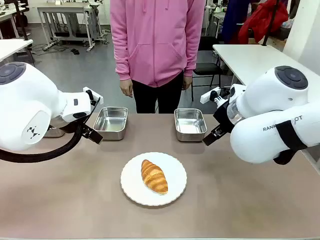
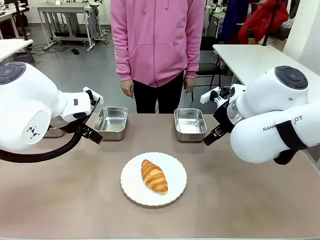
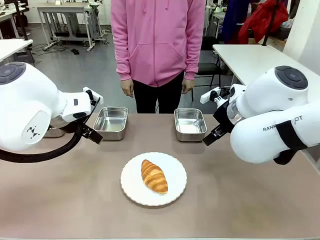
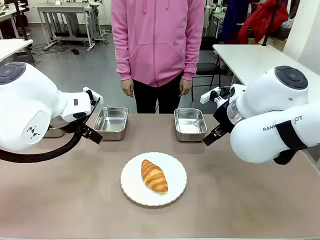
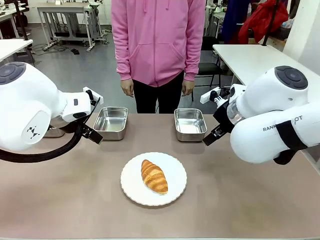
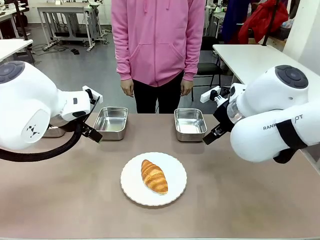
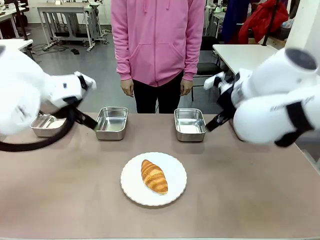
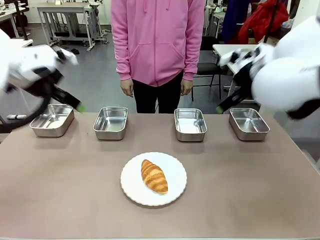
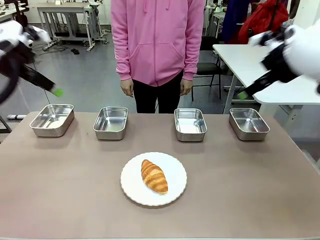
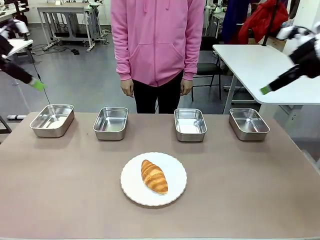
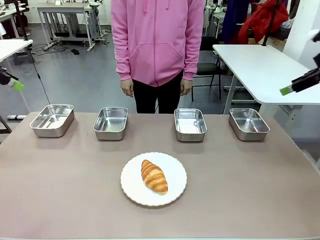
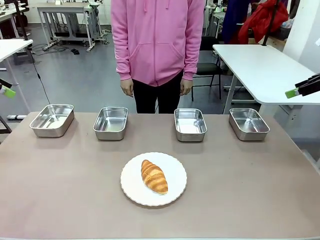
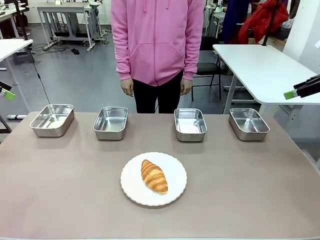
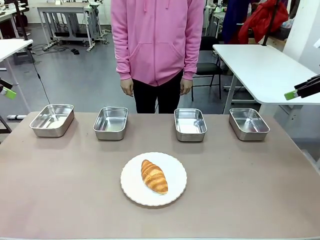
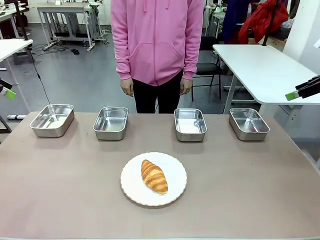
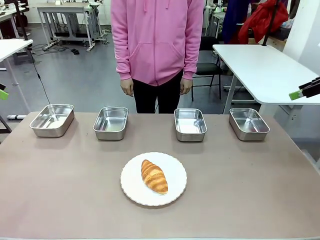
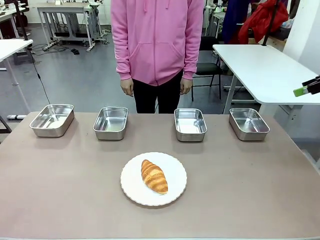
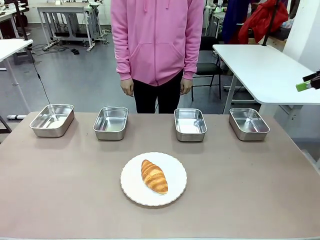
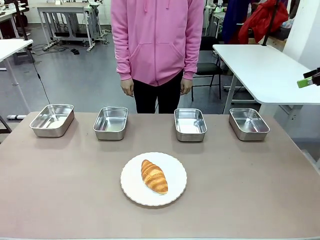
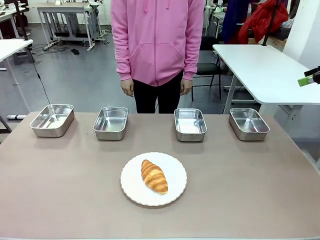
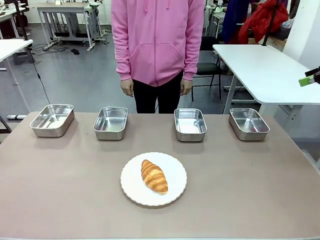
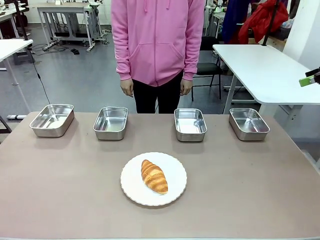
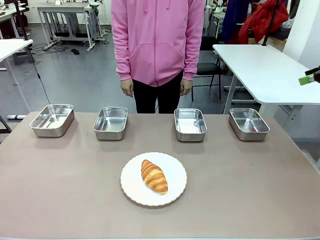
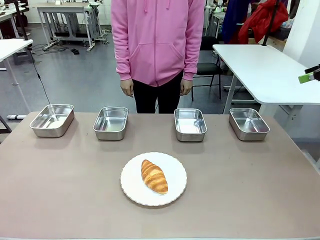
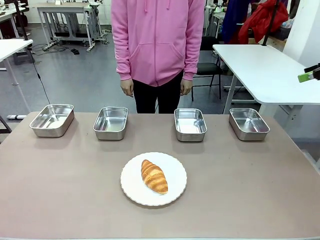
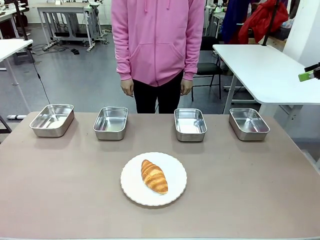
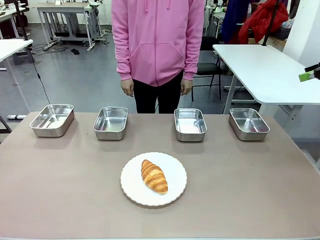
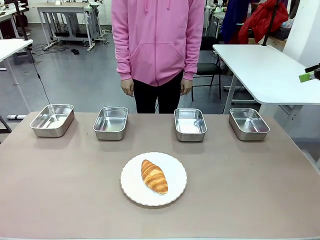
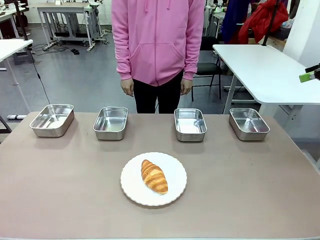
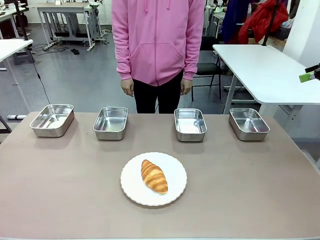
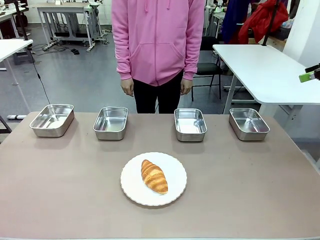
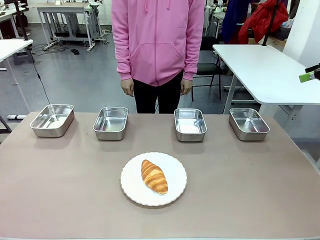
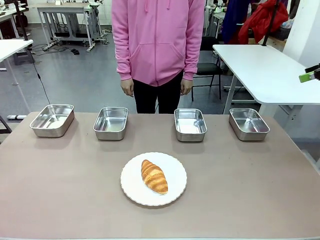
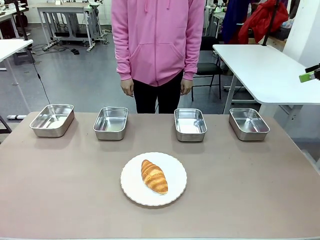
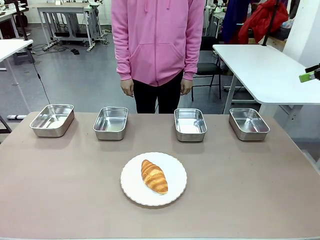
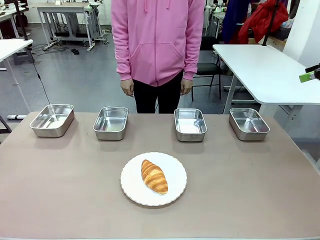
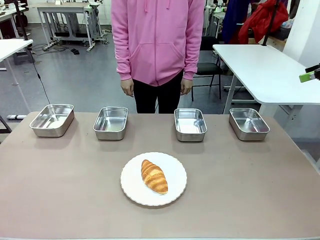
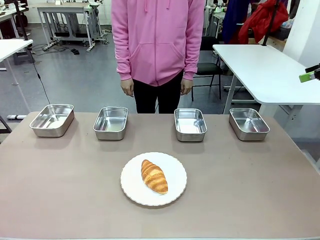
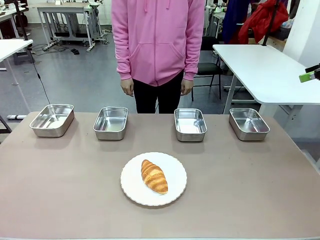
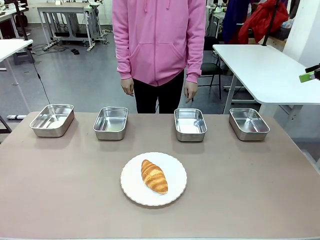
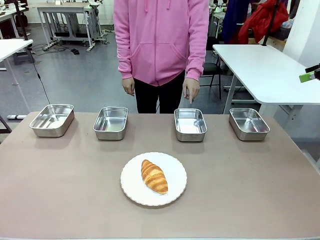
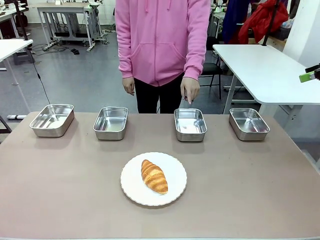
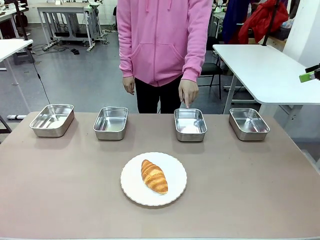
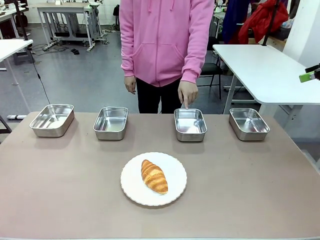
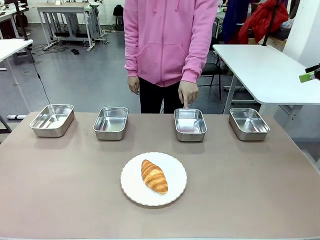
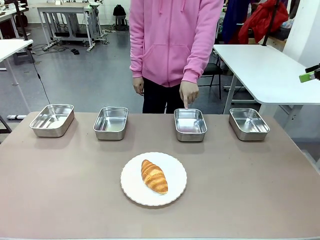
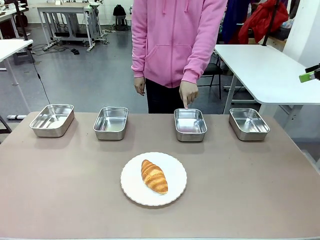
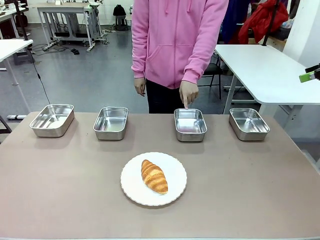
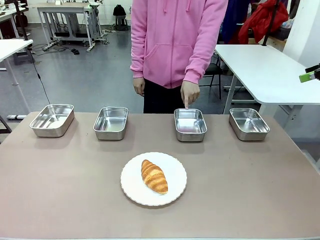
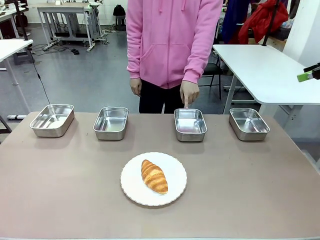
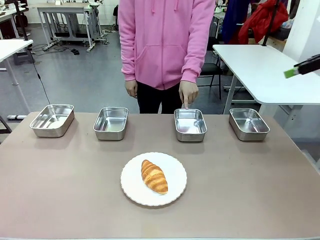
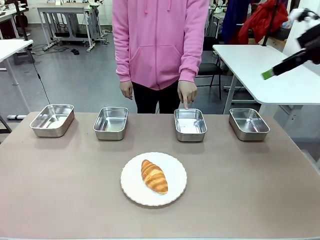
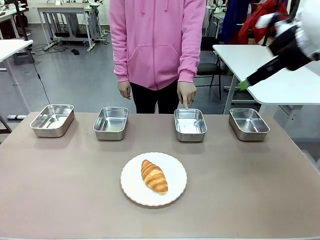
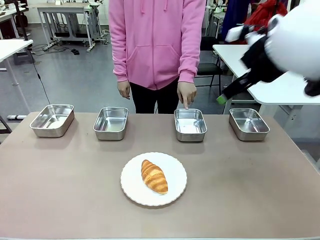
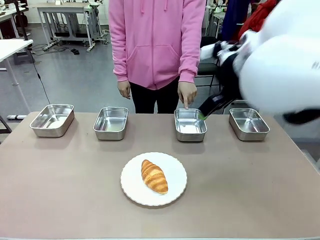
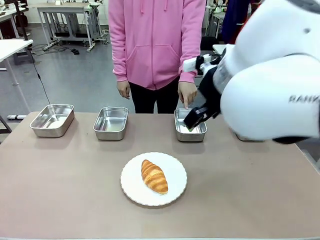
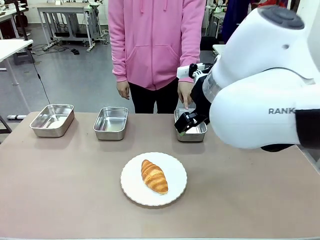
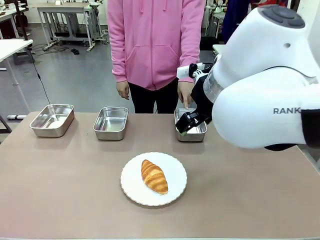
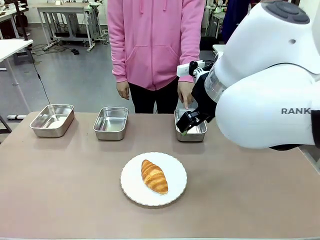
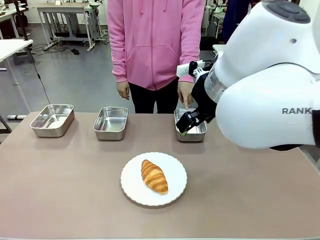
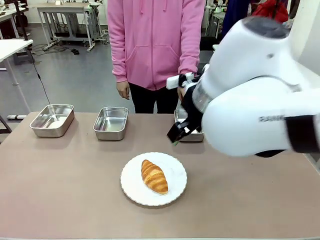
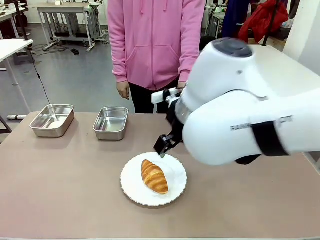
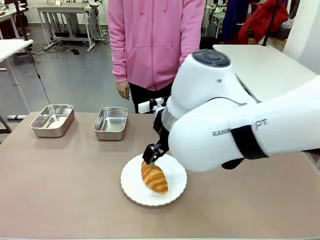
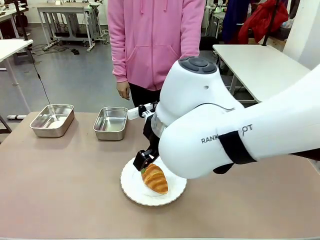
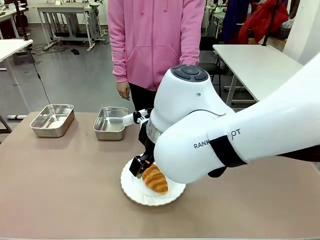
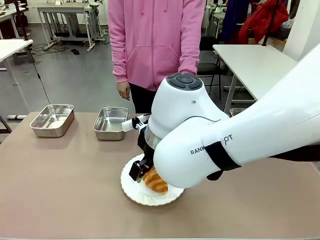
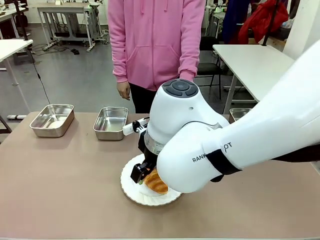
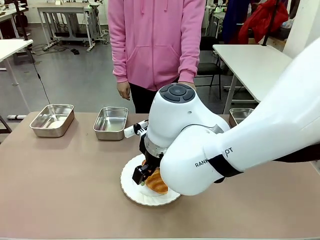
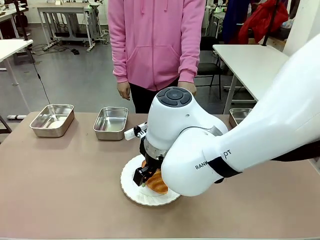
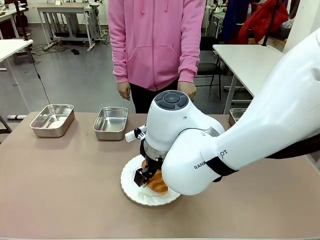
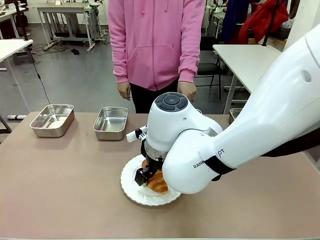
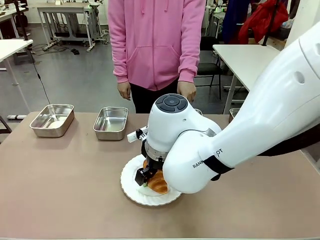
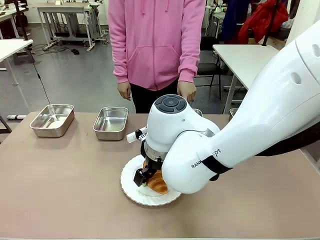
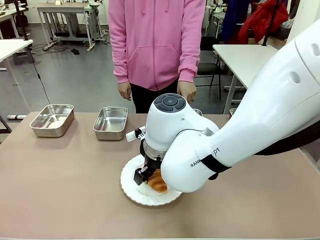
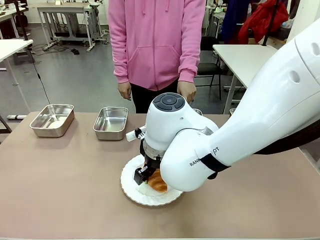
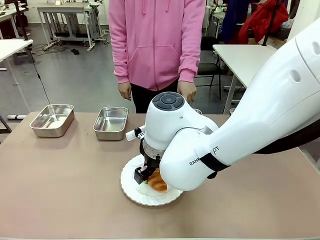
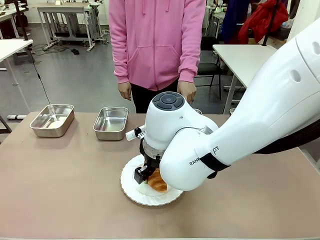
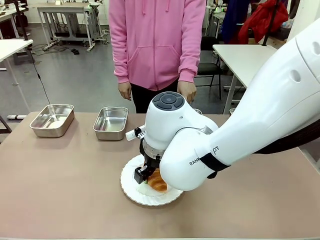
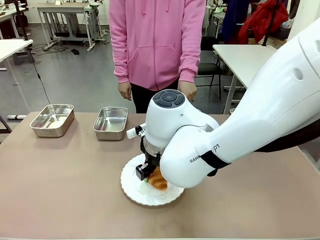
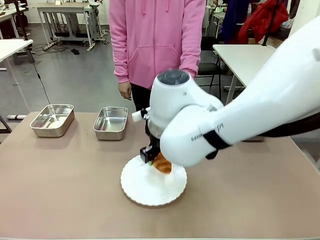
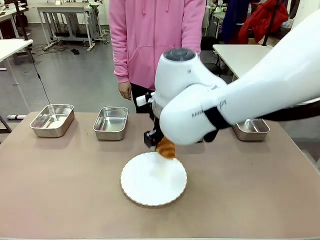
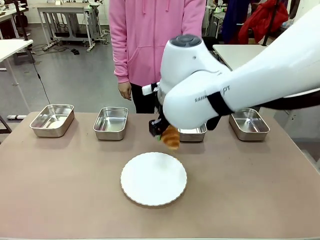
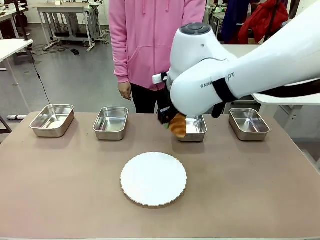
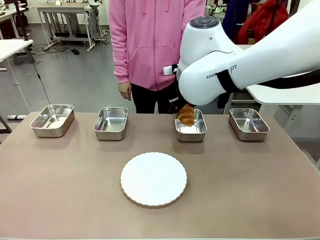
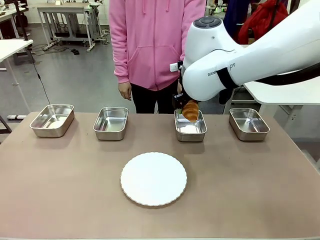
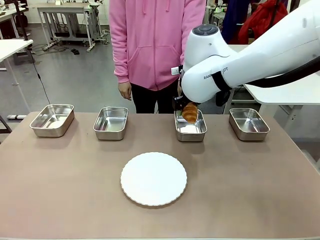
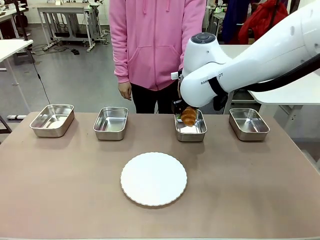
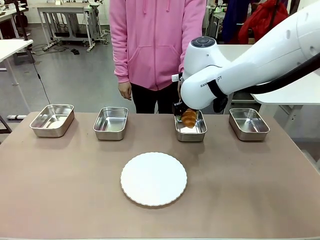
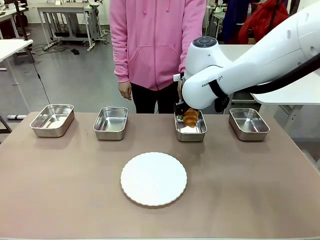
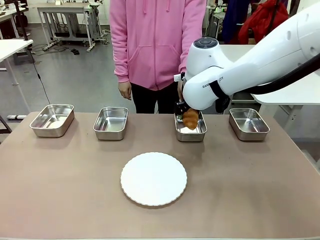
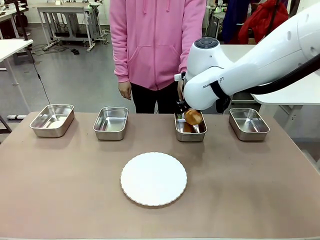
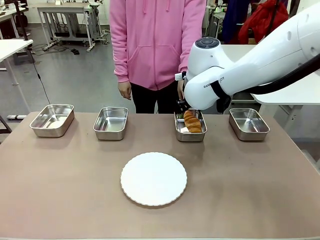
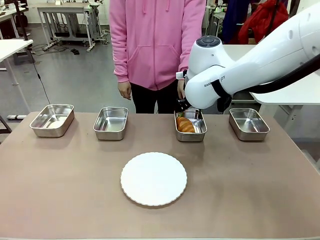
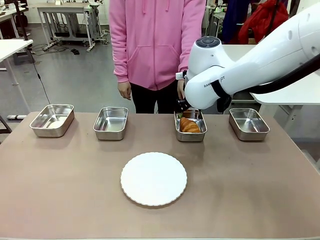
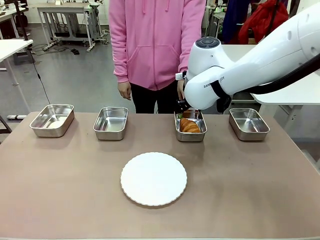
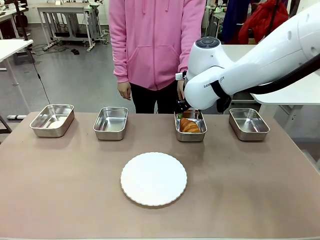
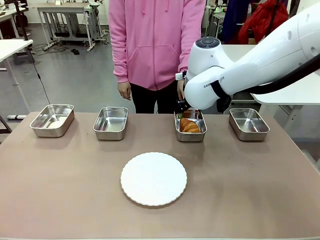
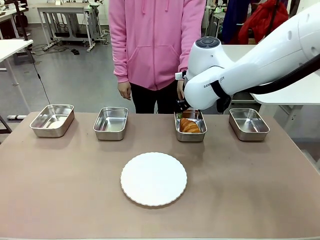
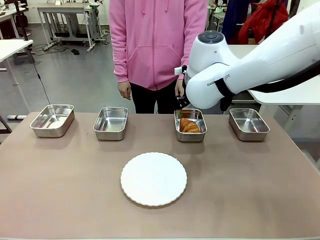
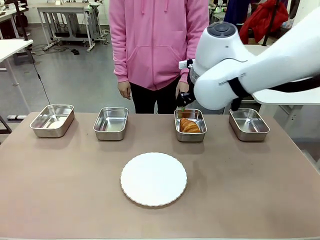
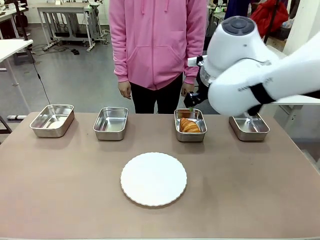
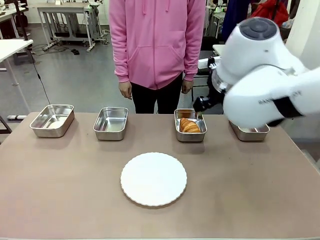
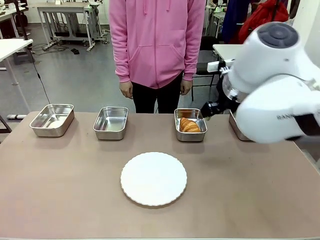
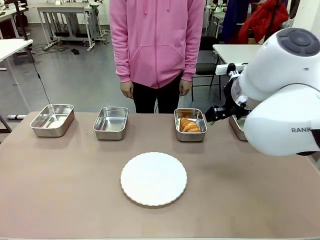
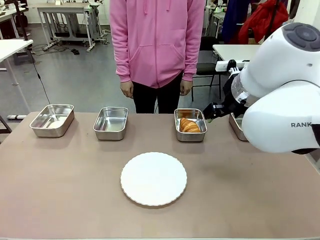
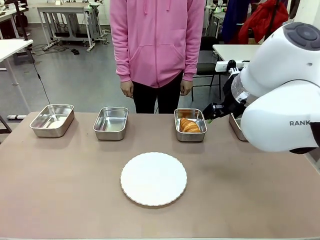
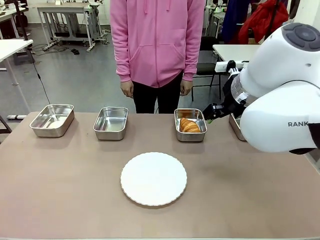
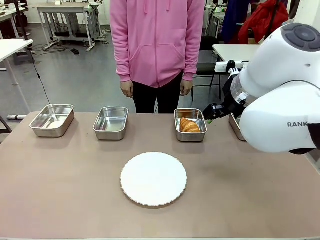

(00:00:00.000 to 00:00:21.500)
Task: Place the bread in the container.
Robot: Place the Butter Roll into the Airtight Container indicated by the human.
Person: A person randomly selects and points to an Airtight Container.
